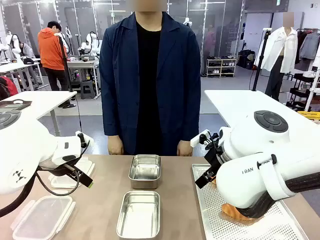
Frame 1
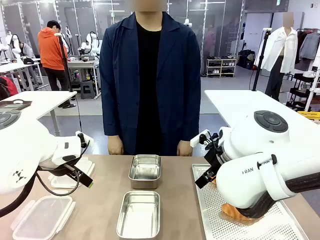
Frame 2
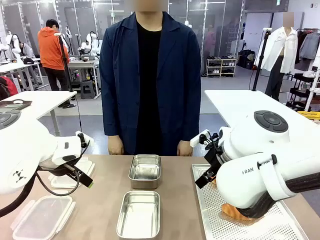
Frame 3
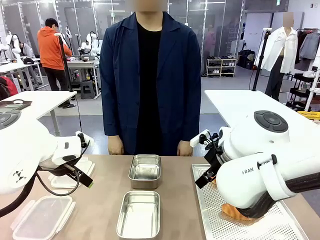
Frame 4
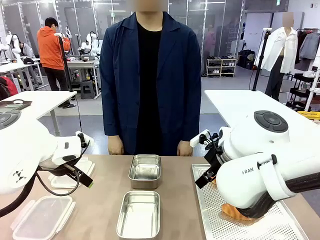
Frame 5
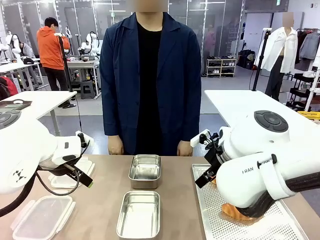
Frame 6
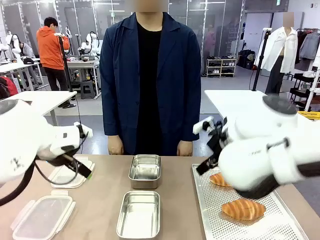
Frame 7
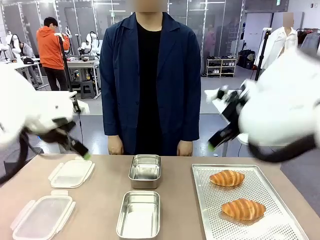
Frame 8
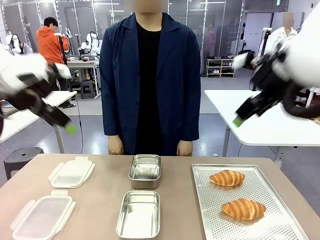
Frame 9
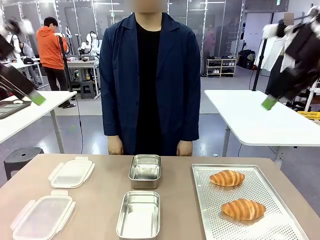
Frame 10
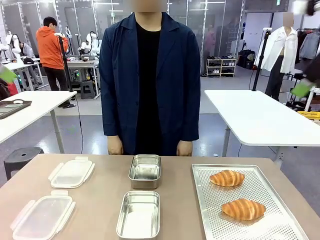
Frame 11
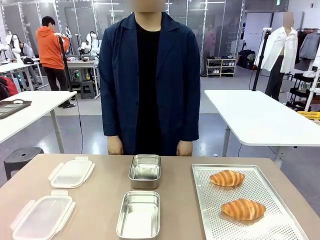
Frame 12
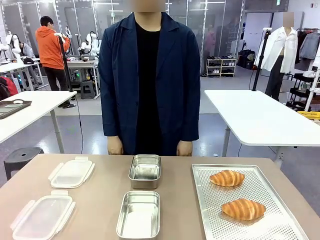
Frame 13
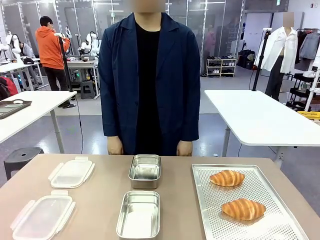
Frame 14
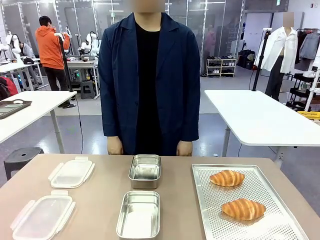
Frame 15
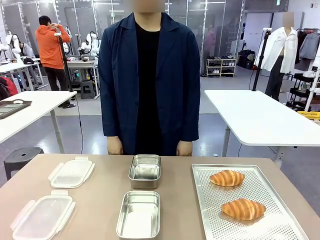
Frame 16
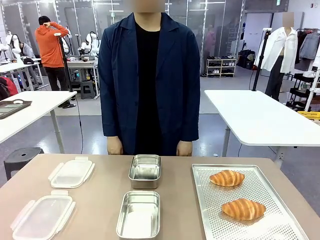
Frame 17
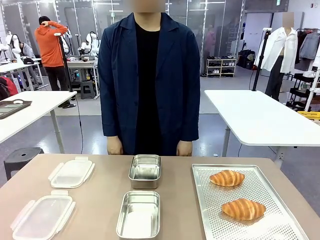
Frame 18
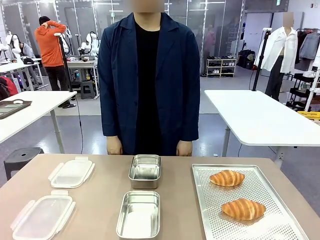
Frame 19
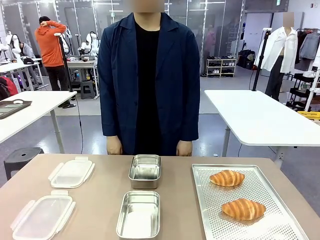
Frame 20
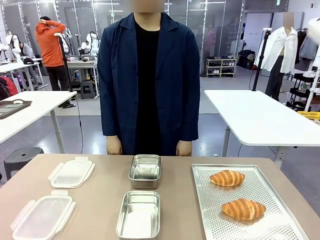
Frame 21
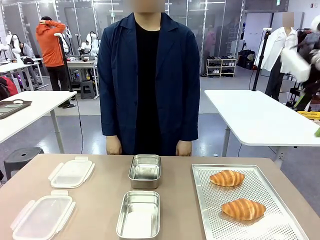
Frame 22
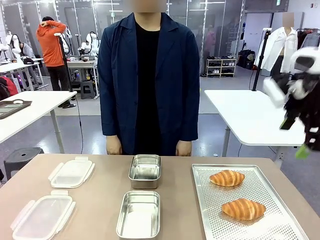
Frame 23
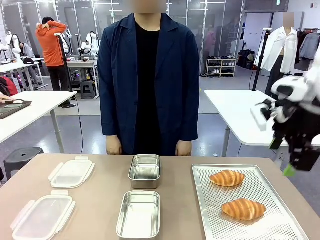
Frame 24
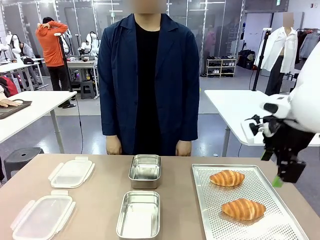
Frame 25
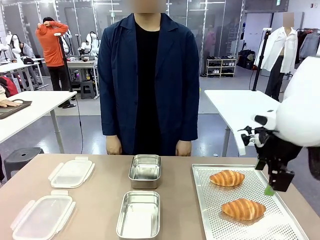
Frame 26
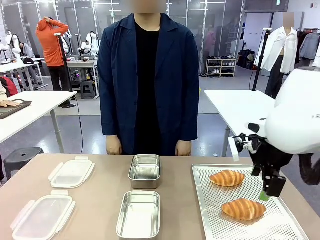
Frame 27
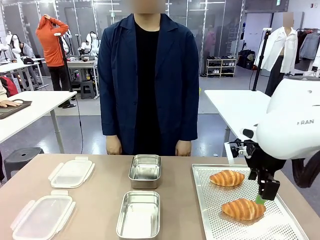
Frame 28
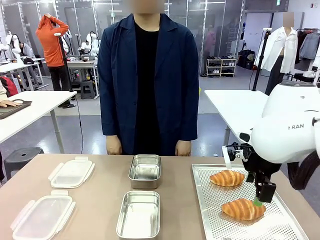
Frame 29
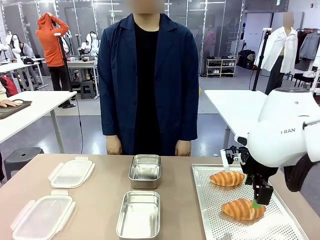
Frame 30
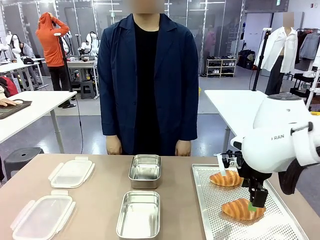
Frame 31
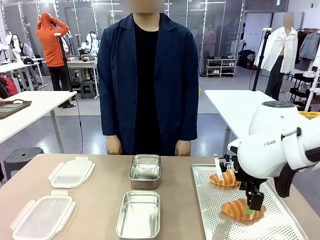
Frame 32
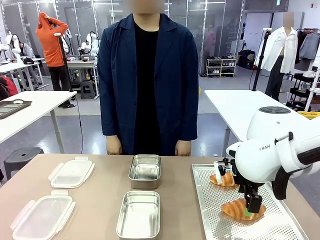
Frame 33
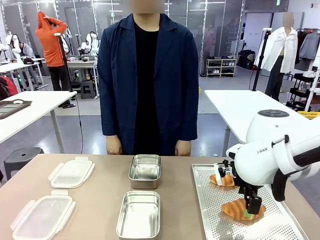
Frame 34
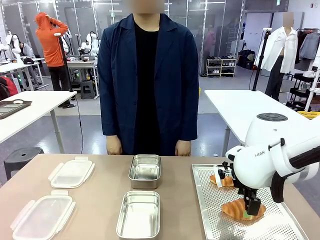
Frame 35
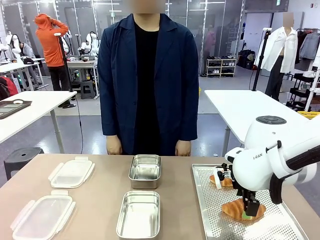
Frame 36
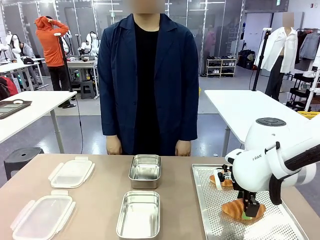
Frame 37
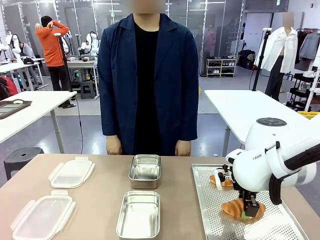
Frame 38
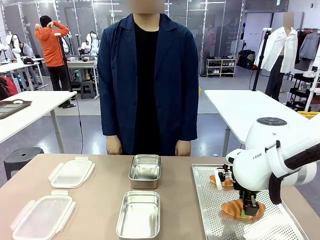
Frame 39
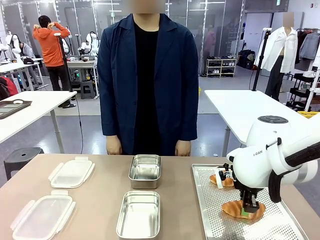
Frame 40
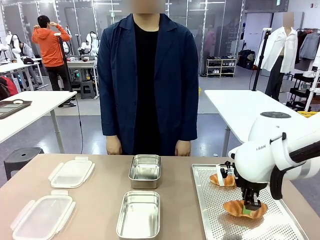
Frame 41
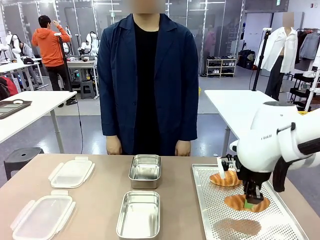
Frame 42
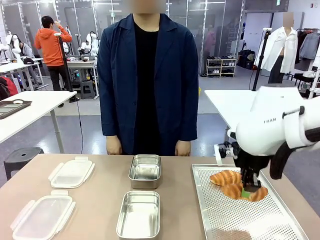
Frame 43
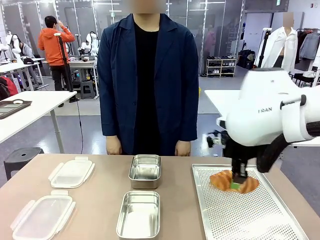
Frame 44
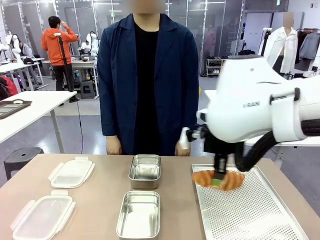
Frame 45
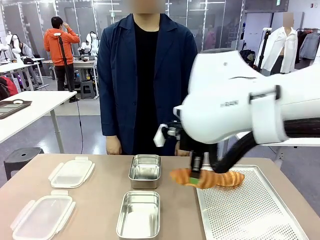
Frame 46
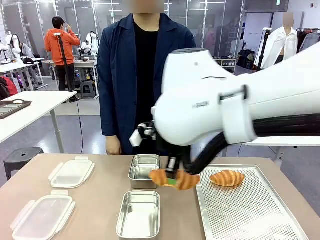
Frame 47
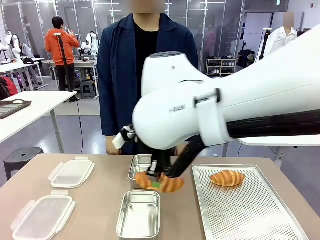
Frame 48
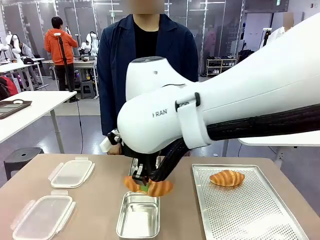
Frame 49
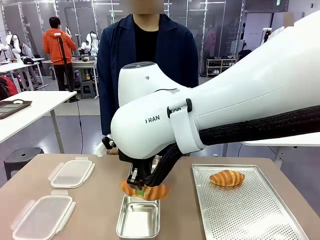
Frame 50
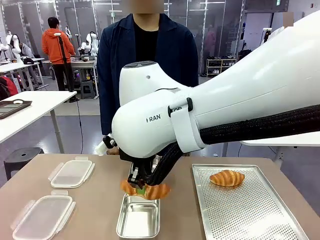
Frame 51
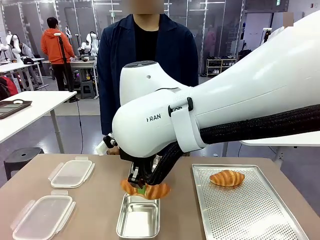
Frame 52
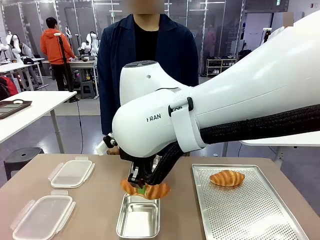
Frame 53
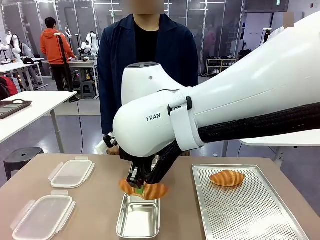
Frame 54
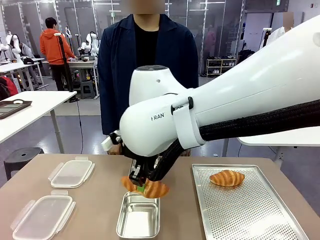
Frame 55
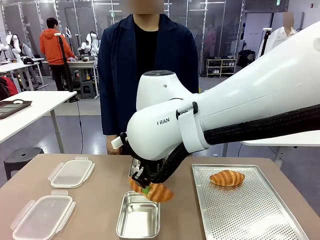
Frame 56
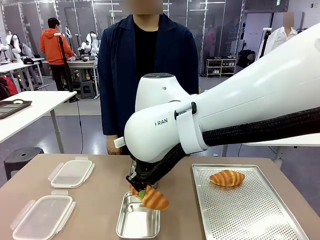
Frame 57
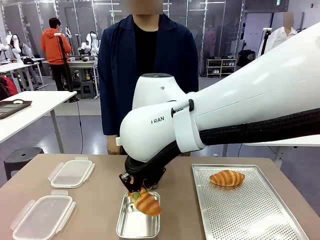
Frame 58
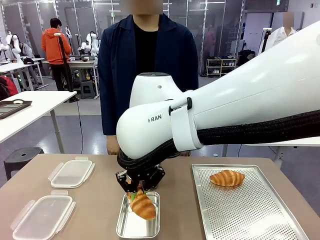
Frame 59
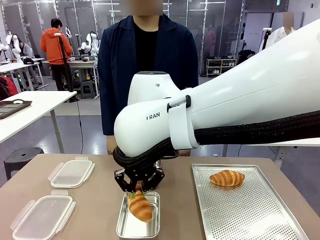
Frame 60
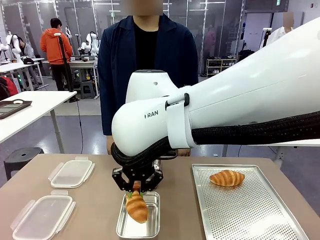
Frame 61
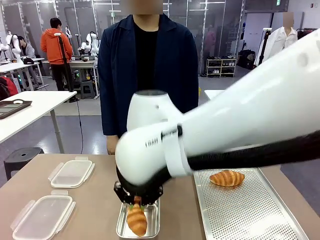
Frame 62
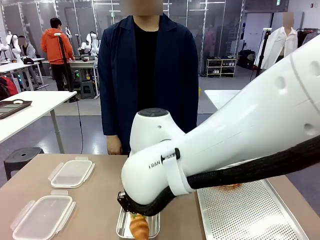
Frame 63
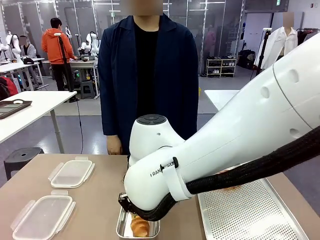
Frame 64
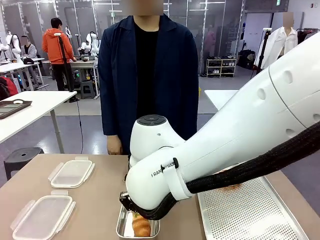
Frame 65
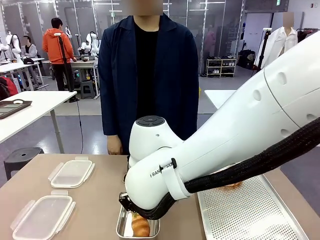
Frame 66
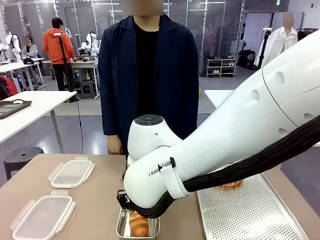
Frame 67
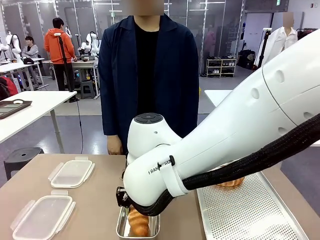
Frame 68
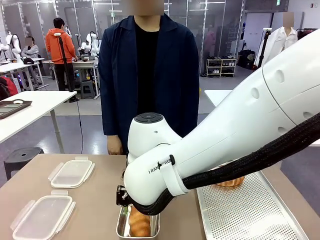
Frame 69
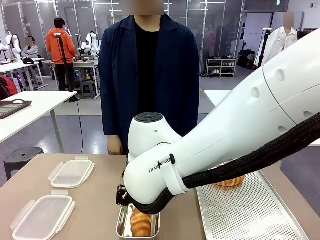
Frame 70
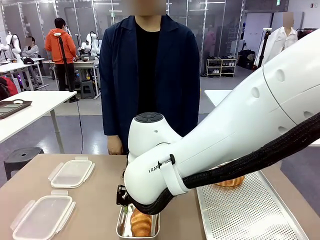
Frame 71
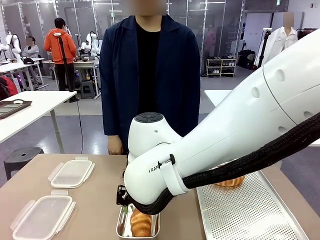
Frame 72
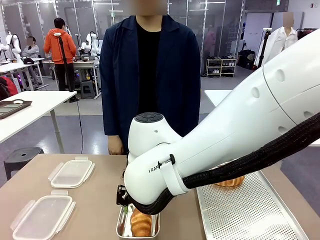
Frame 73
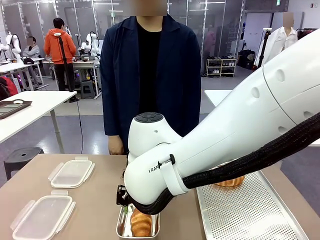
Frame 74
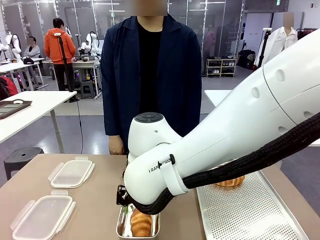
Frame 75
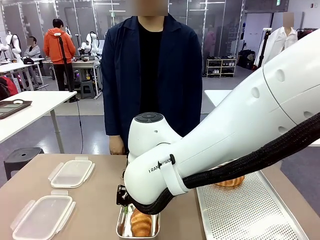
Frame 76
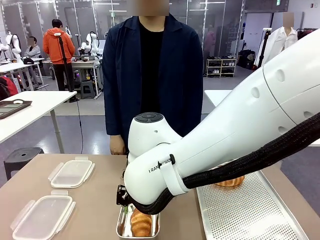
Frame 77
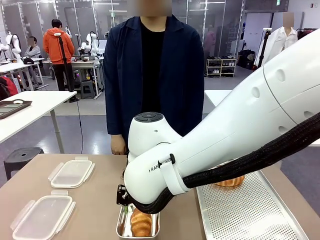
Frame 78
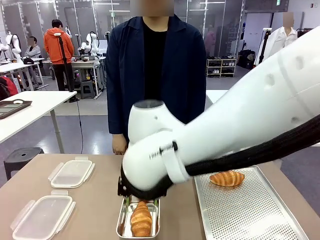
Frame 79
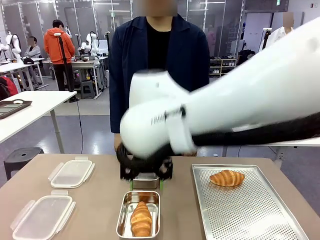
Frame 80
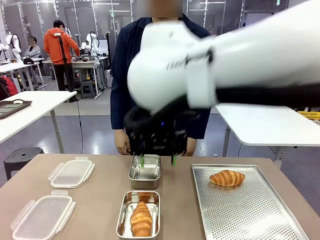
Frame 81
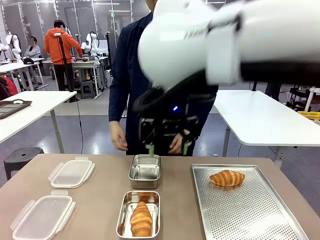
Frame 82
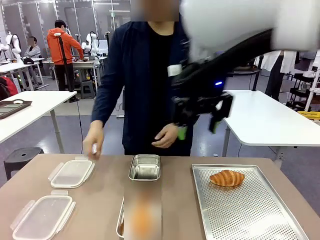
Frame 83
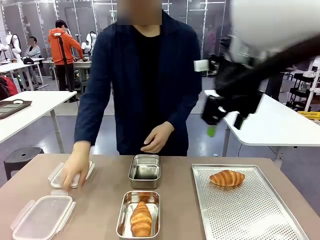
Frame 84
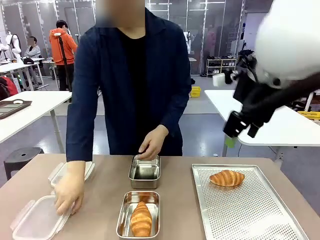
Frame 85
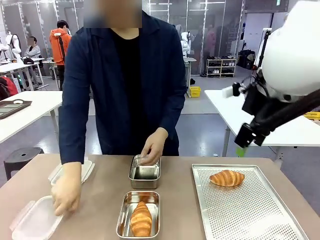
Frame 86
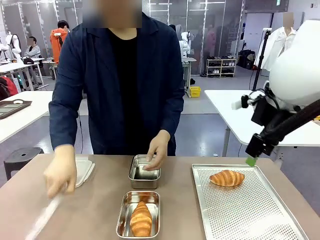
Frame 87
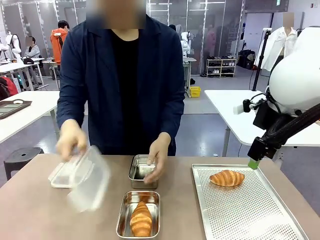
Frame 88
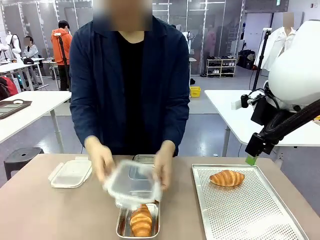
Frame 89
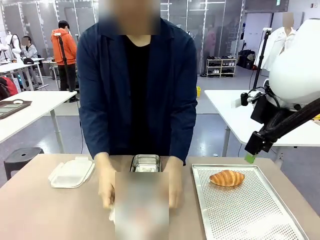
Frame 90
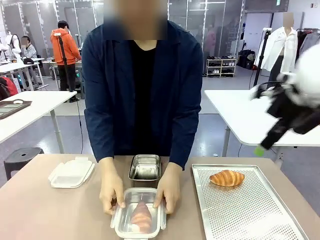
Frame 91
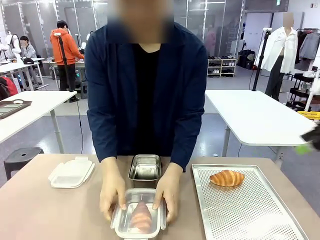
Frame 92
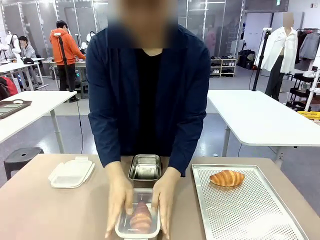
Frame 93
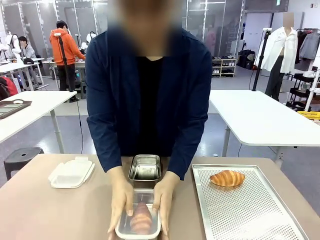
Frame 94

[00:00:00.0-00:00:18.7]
Task: Place the bread into the airtight container.
Robot: Pick up a Butter Roll and place it into an empty Airtight Container.
